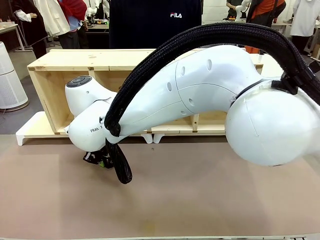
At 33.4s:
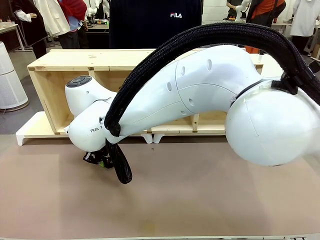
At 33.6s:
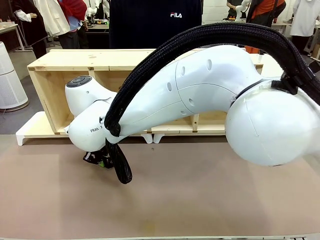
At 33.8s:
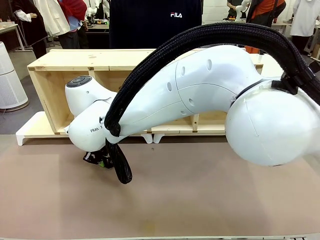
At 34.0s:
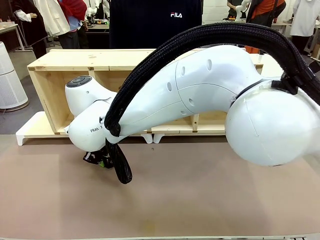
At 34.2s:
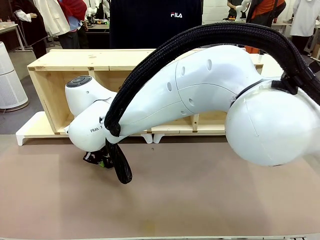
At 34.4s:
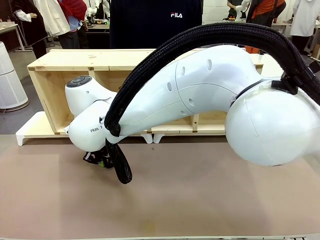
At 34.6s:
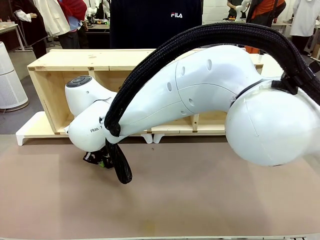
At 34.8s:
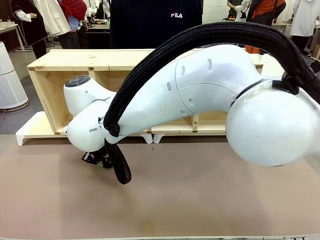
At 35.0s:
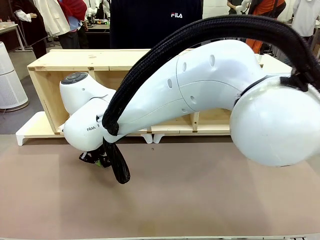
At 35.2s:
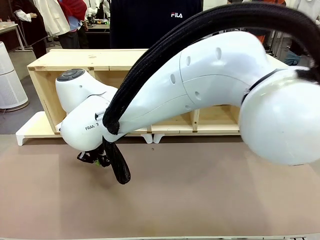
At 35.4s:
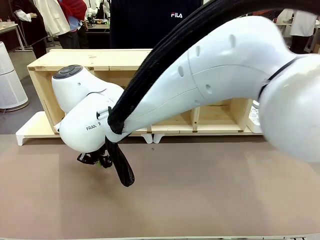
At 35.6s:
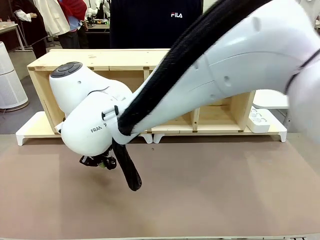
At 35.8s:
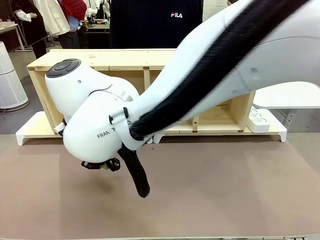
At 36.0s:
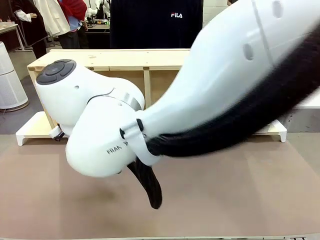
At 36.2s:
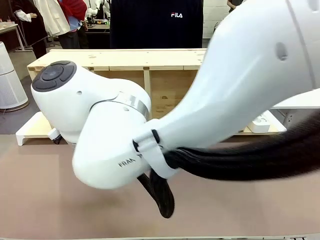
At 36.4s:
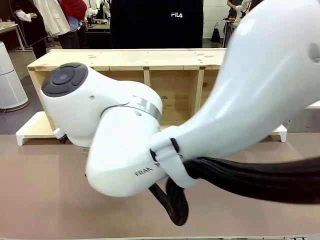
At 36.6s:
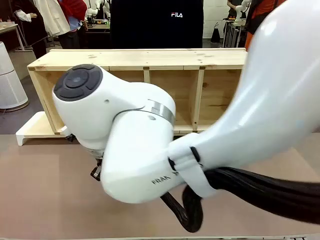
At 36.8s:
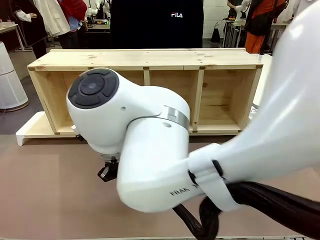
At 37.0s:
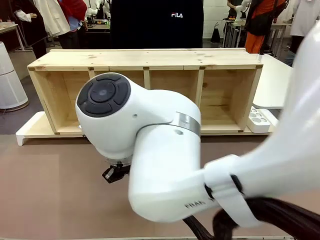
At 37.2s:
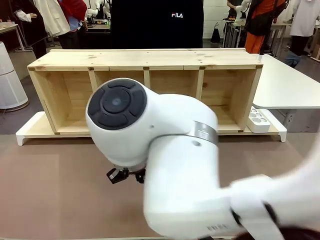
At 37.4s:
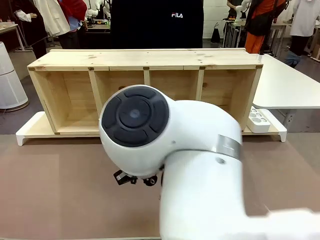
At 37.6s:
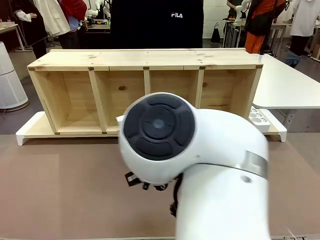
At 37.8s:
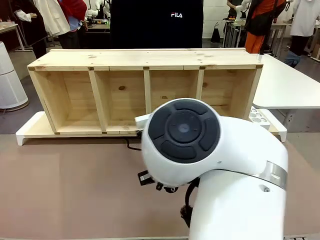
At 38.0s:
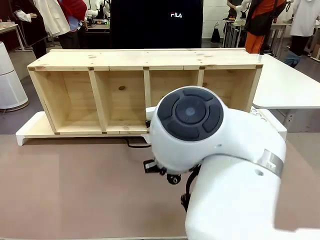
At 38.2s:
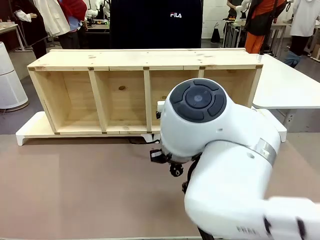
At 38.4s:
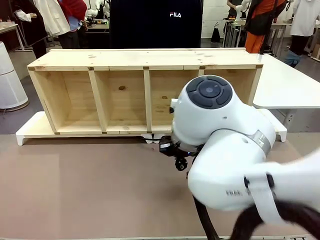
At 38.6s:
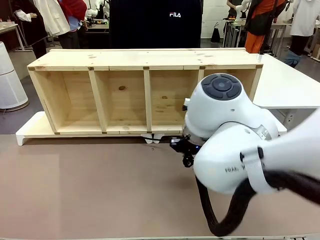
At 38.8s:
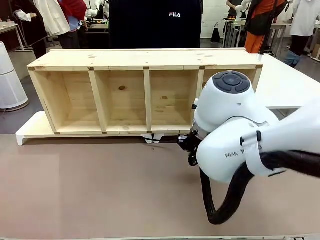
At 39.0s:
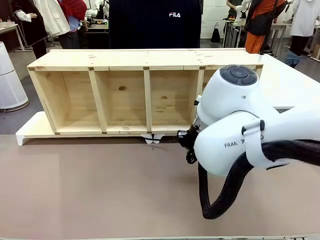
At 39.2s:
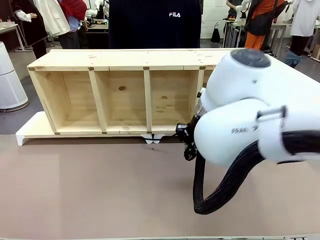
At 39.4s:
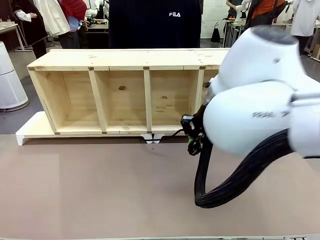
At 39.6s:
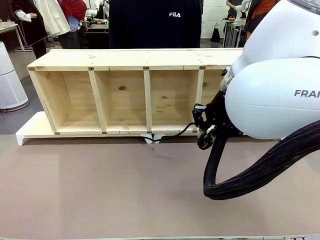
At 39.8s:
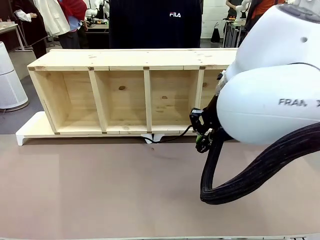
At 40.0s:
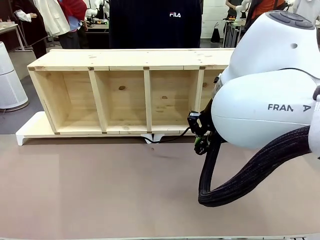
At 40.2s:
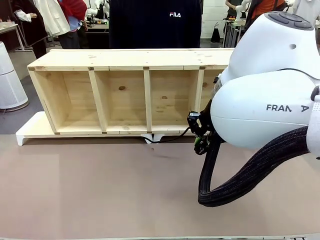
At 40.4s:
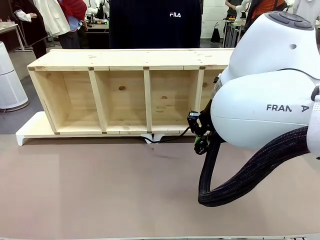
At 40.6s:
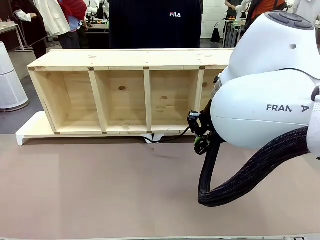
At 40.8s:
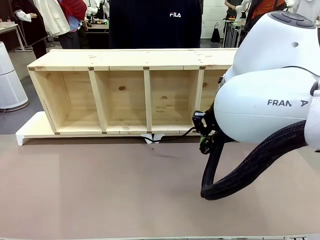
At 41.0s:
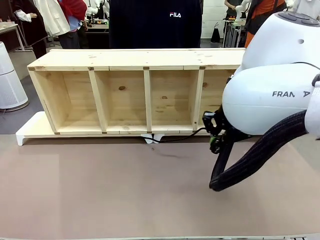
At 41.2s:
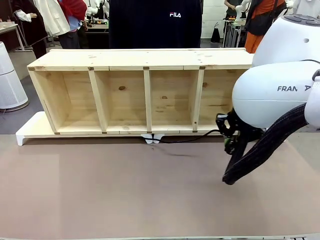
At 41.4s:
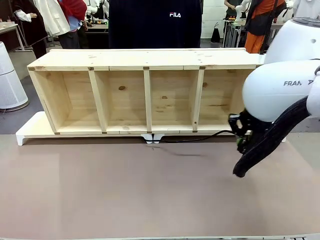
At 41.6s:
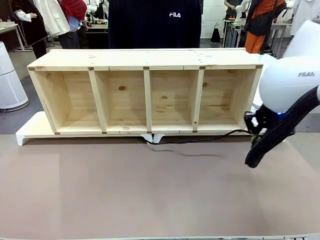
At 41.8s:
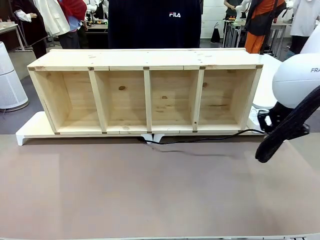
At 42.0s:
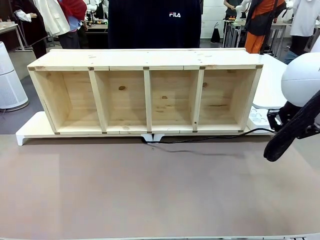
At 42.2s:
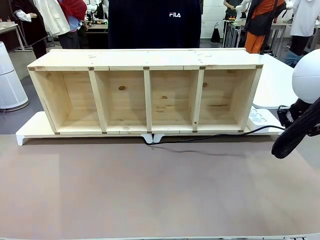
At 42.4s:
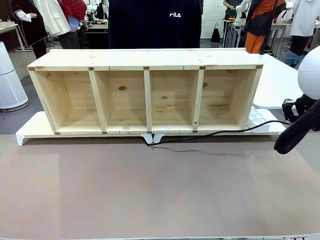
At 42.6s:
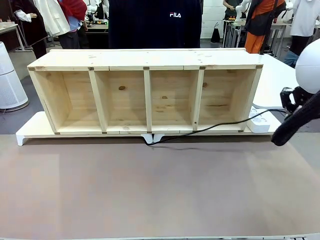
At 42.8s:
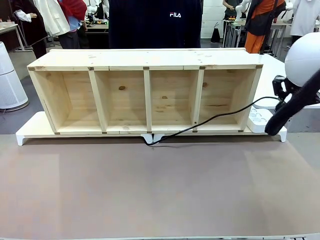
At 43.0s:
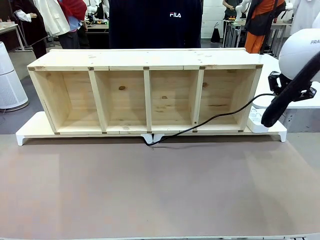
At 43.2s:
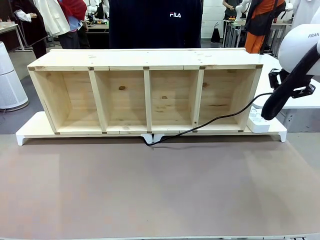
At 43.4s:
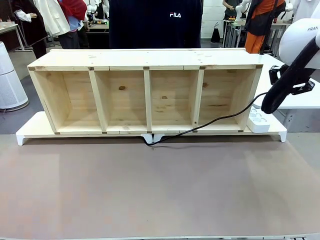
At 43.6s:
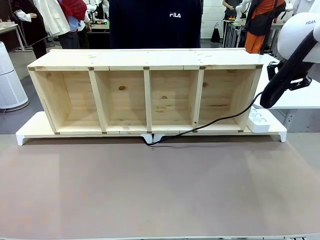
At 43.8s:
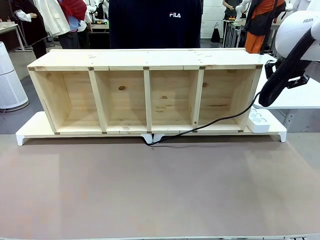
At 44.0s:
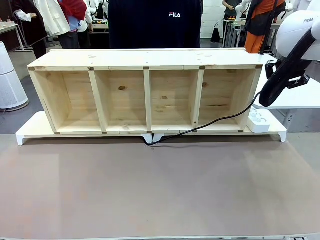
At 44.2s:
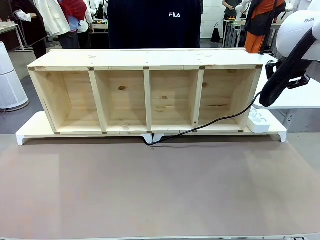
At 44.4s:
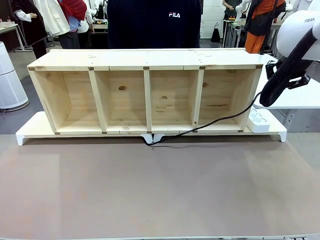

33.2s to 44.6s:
Task: Perform cable management.
Robot: Pull the grasped Power Cable to the location of the Power Strip.

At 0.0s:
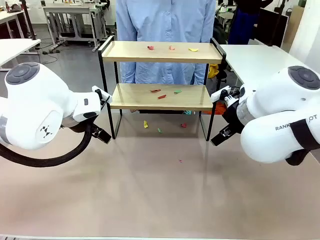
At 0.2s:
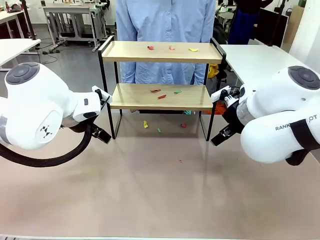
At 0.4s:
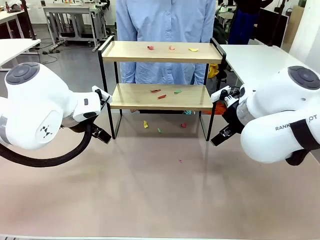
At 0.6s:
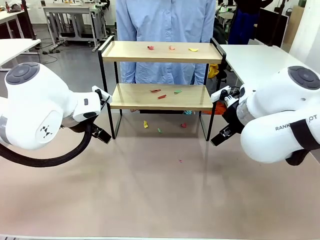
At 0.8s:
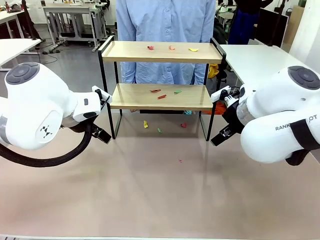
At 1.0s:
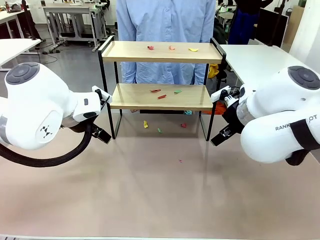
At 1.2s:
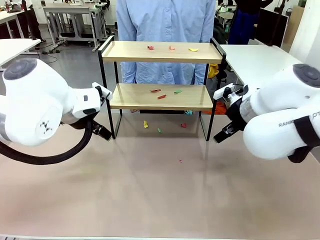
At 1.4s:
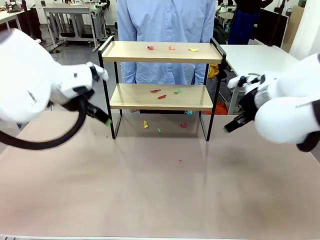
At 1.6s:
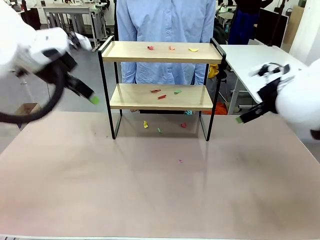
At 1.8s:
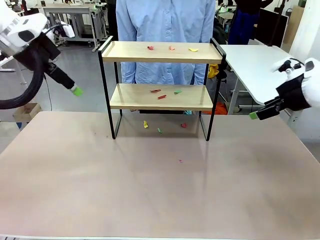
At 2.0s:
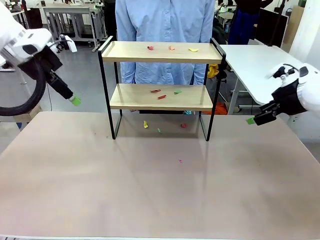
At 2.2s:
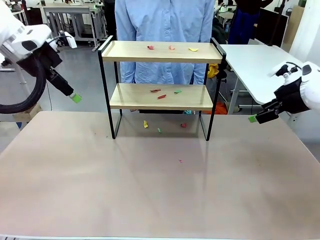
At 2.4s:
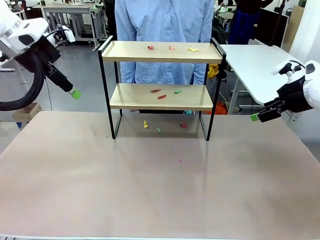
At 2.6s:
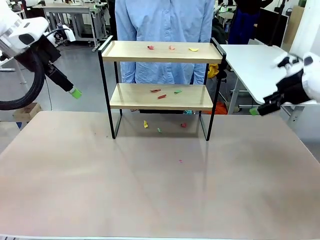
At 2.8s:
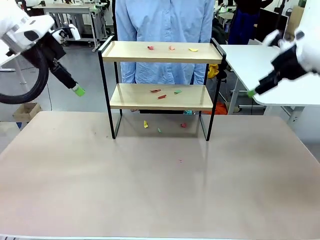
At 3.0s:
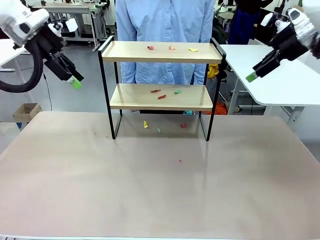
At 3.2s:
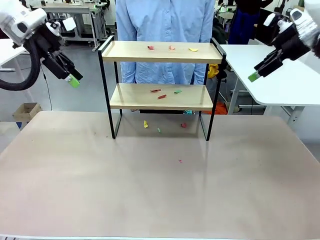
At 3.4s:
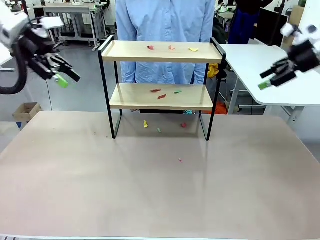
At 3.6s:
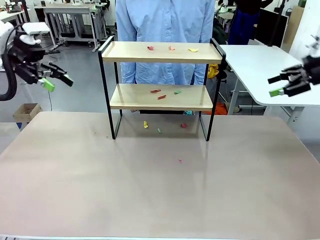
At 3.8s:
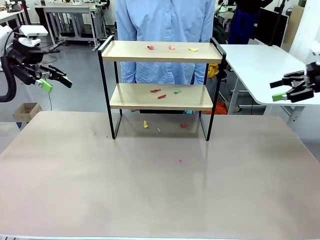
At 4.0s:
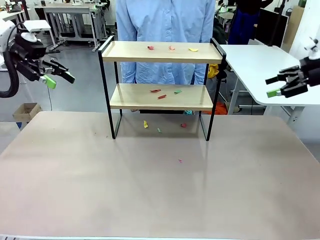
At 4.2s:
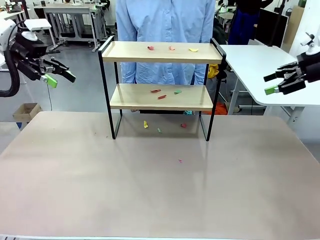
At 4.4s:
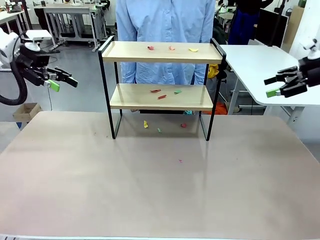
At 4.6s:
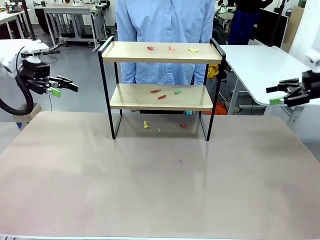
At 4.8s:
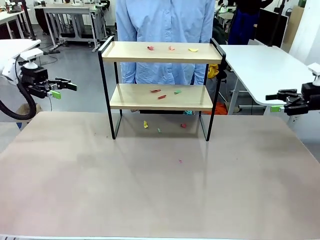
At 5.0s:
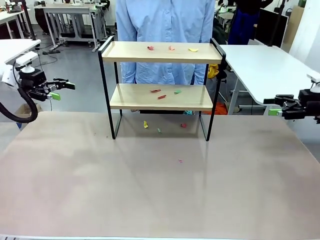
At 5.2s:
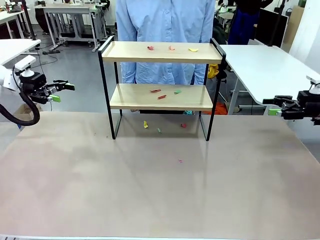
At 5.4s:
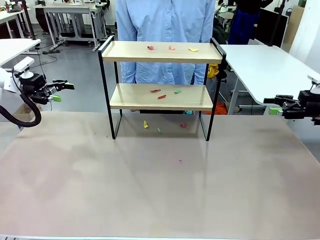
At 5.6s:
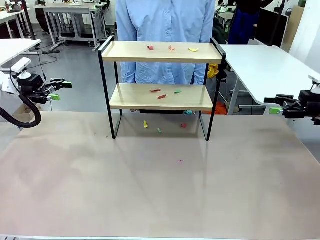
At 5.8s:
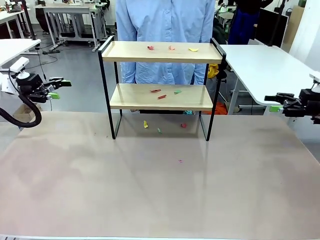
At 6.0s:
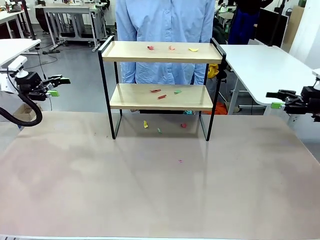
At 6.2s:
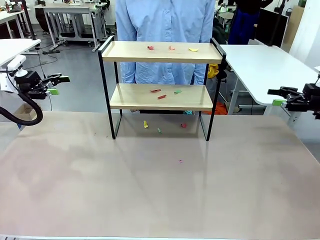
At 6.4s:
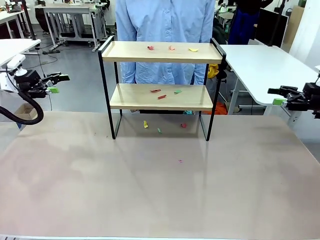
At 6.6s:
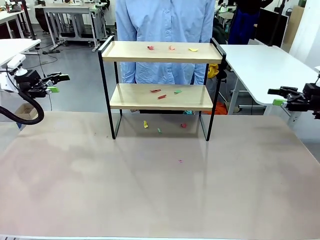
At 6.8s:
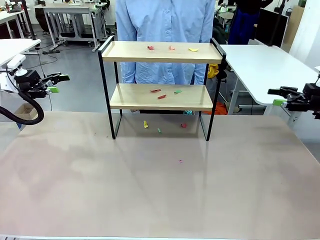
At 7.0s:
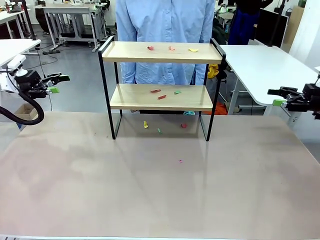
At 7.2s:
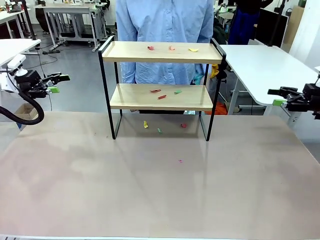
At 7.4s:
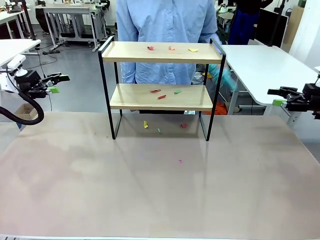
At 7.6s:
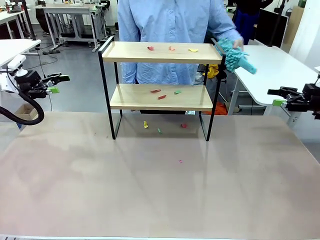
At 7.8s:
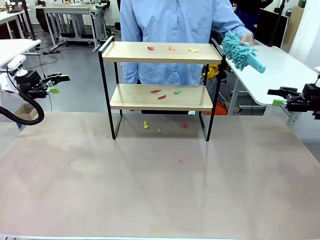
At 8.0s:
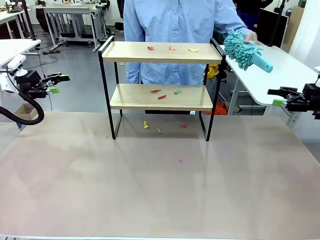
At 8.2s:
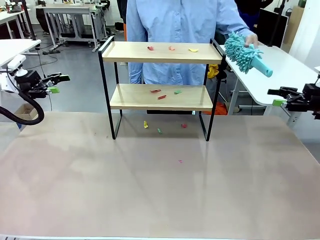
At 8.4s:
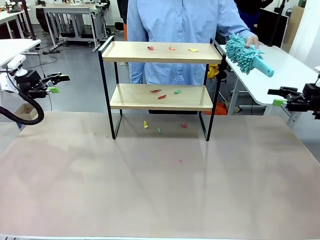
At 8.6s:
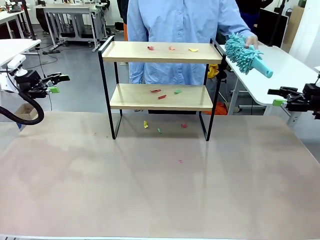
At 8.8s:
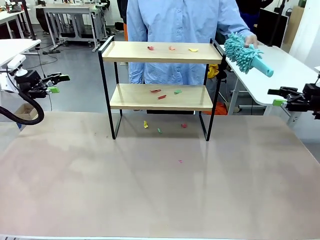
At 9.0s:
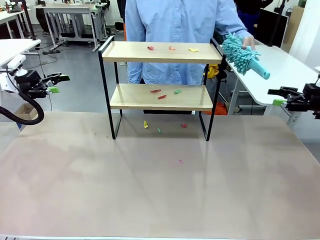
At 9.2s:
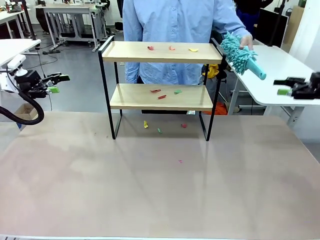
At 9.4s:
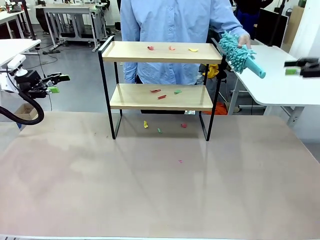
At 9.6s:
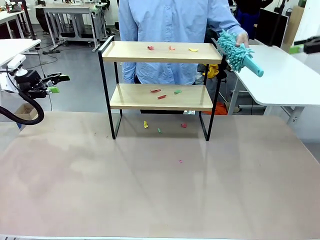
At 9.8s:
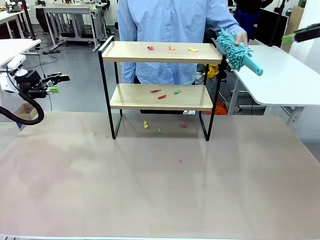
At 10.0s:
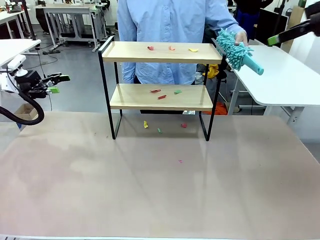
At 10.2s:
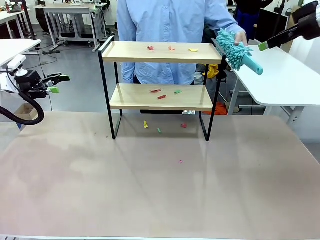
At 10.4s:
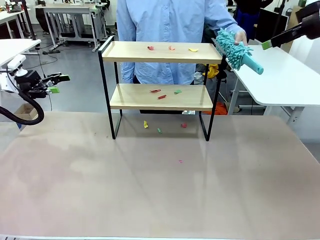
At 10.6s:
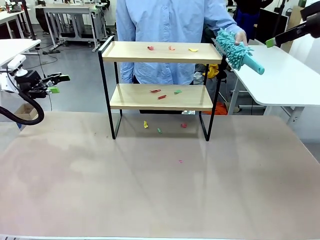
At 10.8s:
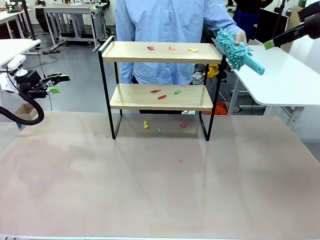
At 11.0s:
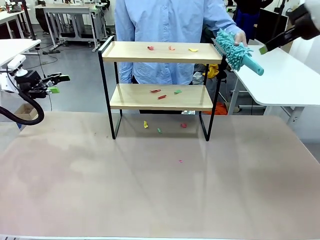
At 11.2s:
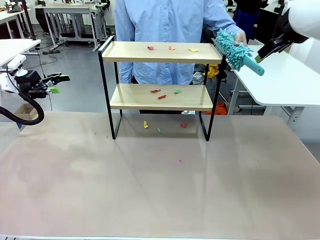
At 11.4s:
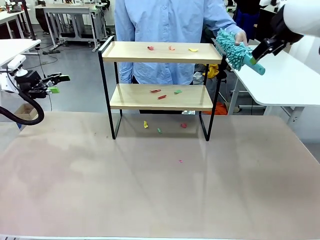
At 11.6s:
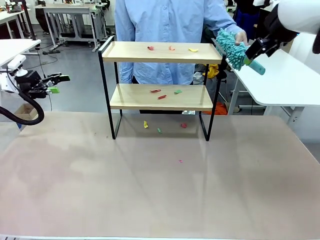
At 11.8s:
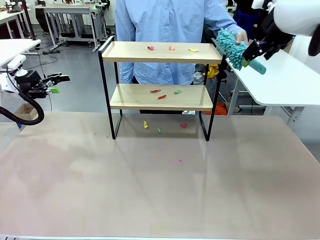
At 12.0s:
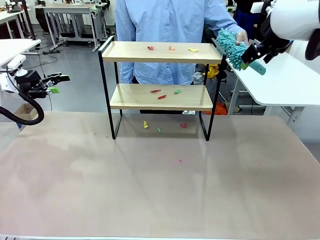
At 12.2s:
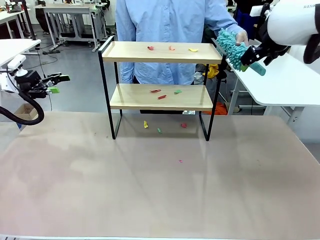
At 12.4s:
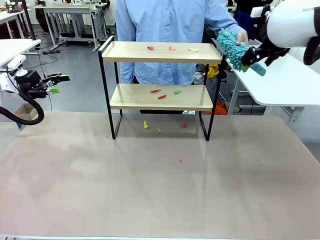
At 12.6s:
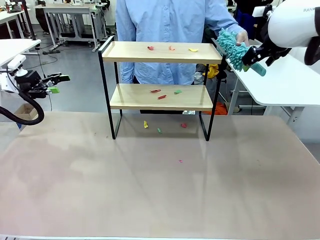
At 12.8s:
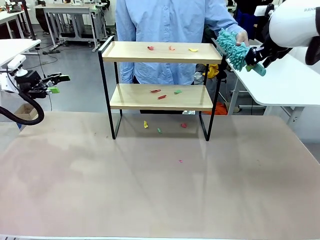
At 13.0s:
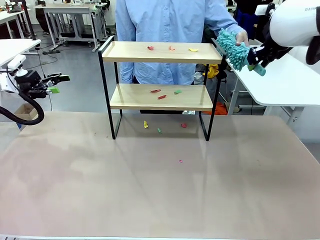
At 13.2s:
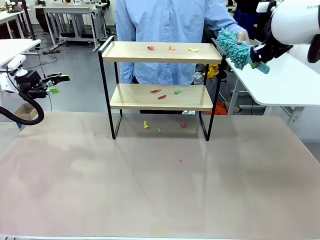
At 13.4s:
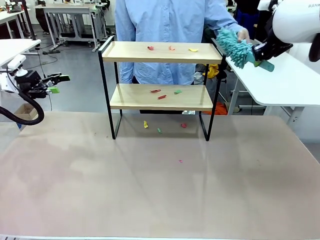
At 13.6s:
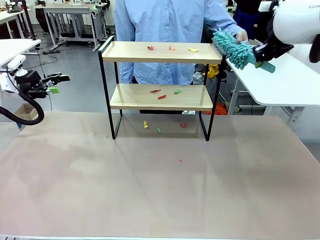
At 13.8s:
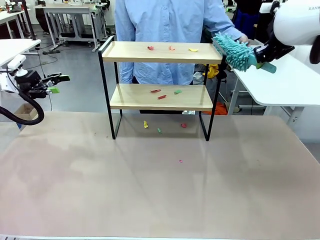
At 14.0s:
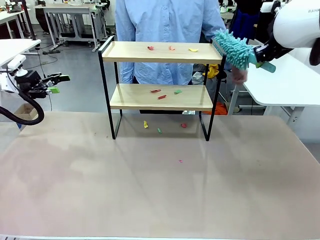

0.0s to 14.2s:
Task: Clean the shelf.
Robot: Pick up the Duster handed by the human.
Person: Hand the Duster to the robot.
